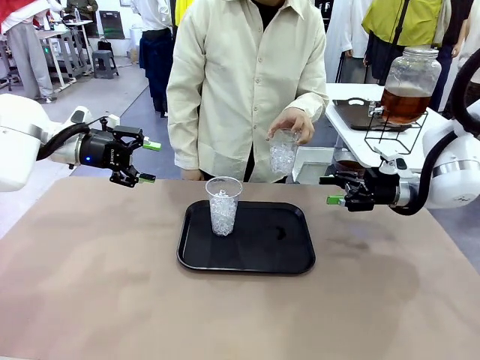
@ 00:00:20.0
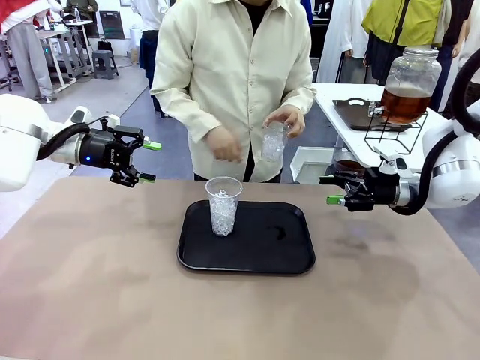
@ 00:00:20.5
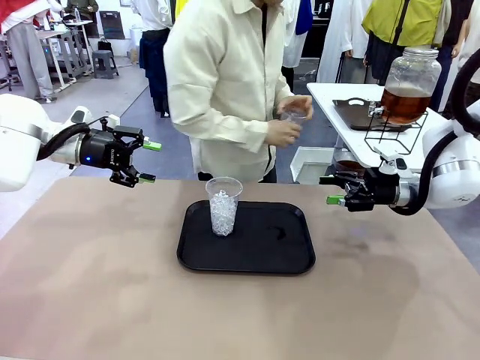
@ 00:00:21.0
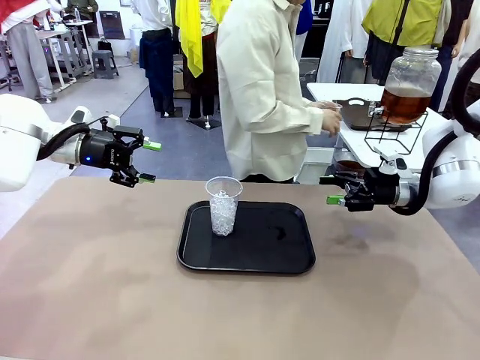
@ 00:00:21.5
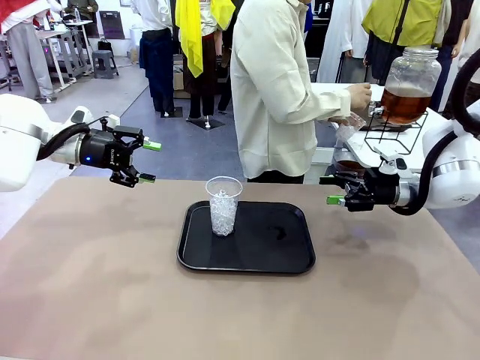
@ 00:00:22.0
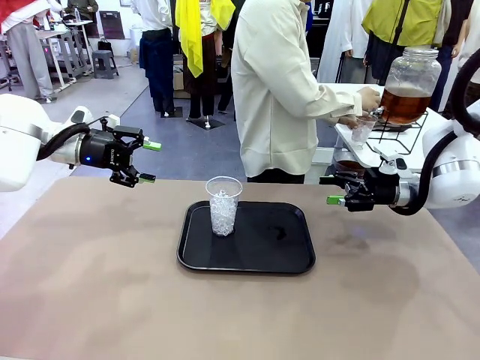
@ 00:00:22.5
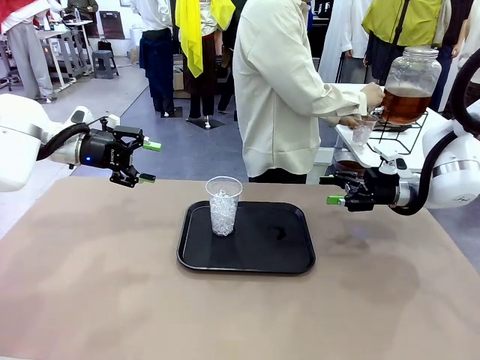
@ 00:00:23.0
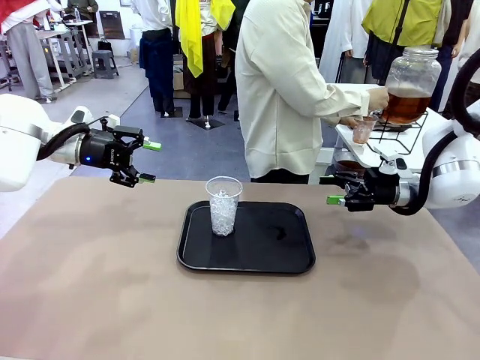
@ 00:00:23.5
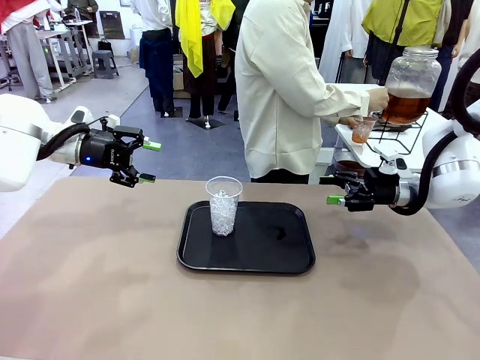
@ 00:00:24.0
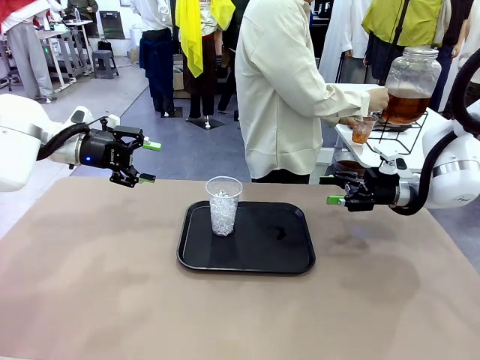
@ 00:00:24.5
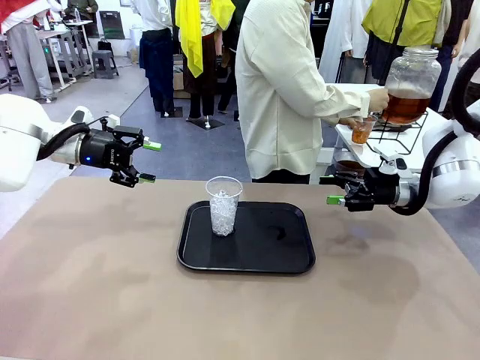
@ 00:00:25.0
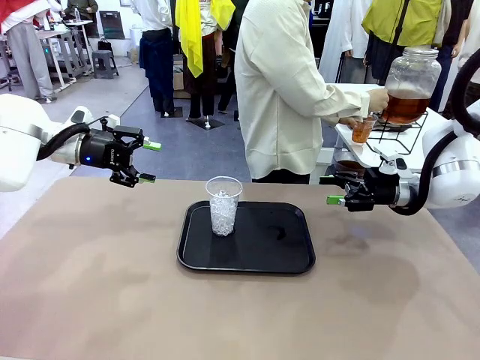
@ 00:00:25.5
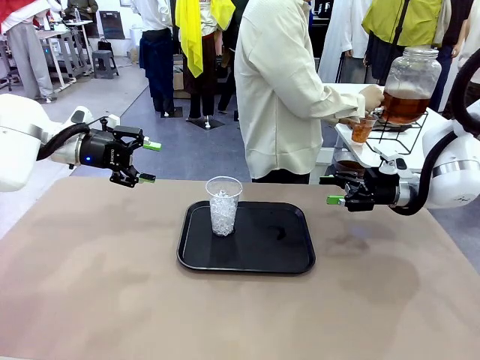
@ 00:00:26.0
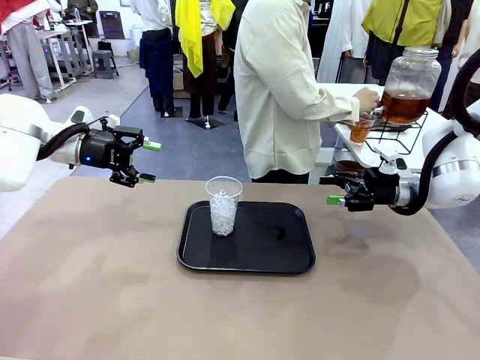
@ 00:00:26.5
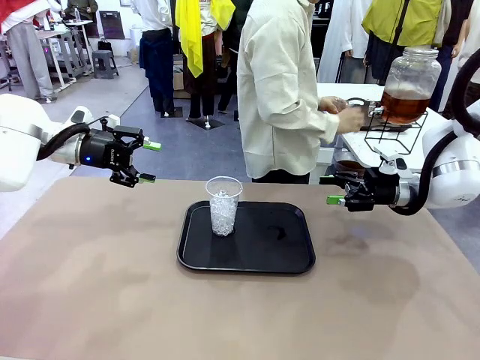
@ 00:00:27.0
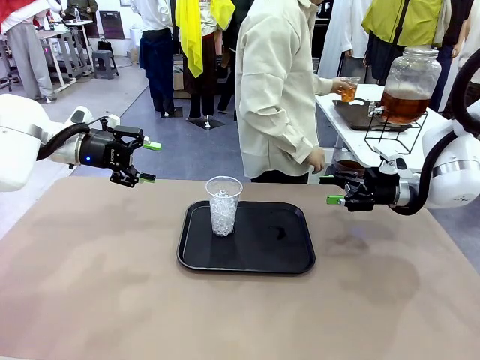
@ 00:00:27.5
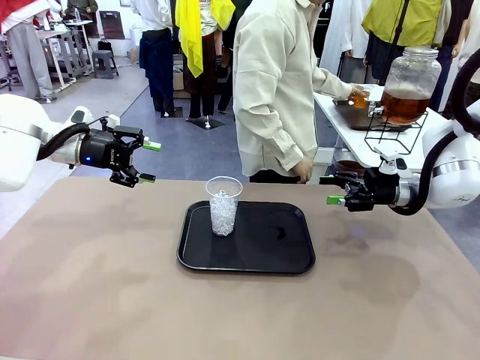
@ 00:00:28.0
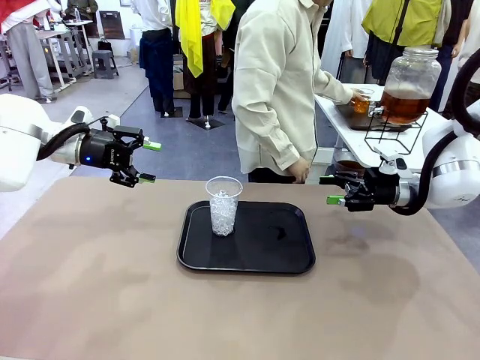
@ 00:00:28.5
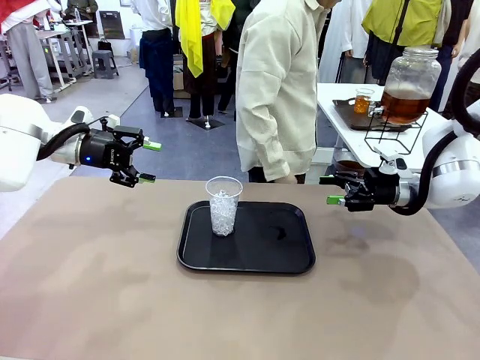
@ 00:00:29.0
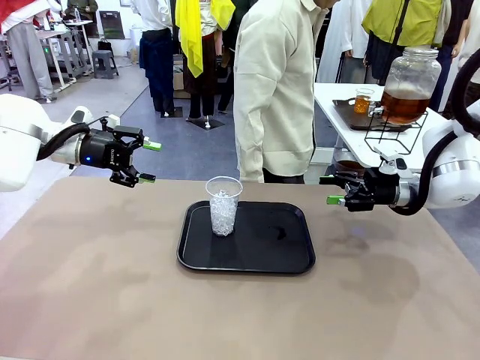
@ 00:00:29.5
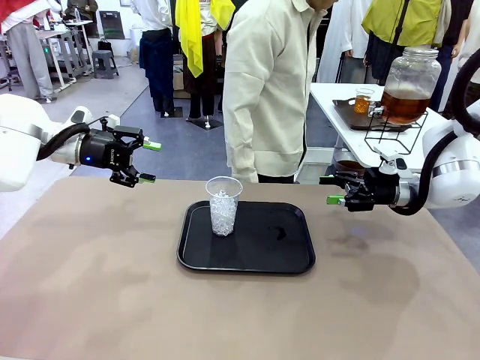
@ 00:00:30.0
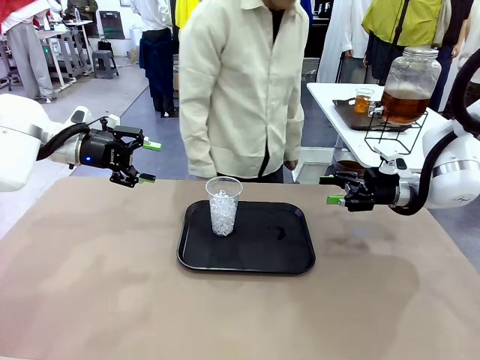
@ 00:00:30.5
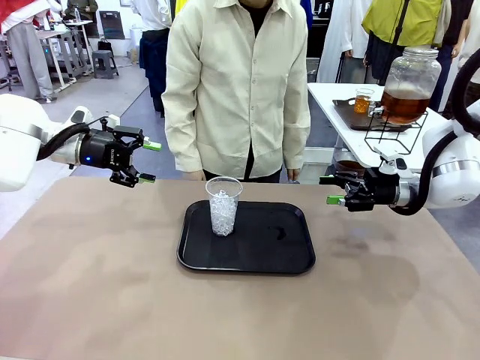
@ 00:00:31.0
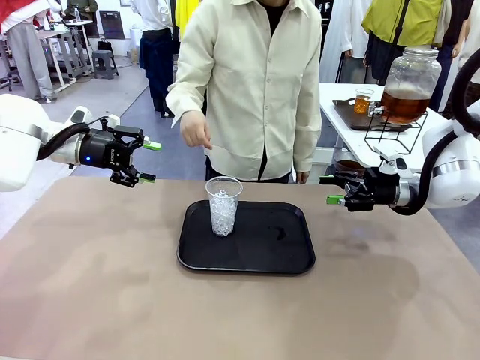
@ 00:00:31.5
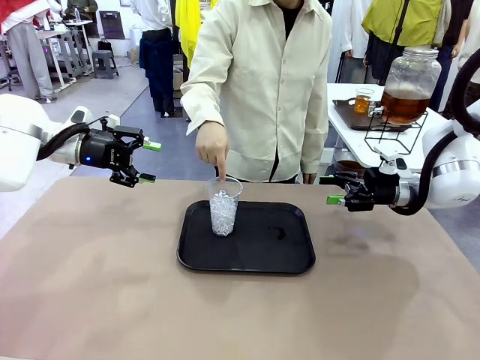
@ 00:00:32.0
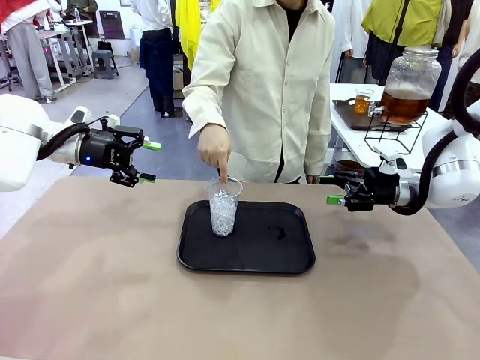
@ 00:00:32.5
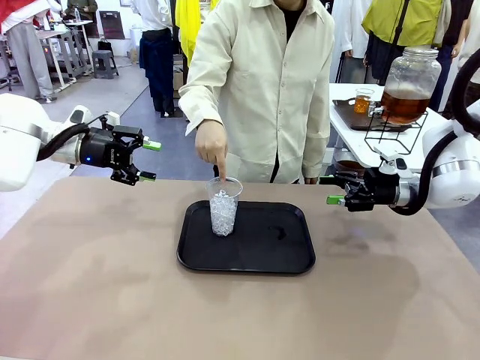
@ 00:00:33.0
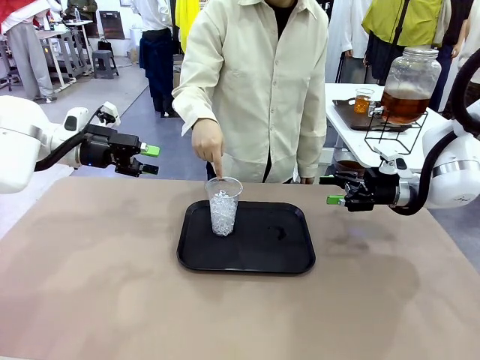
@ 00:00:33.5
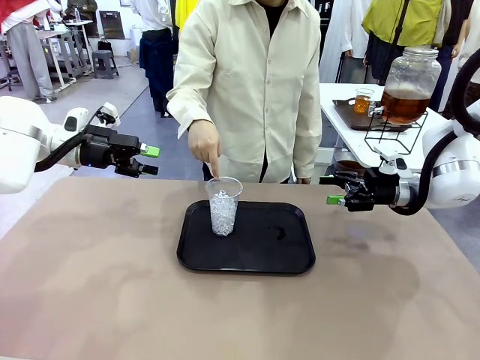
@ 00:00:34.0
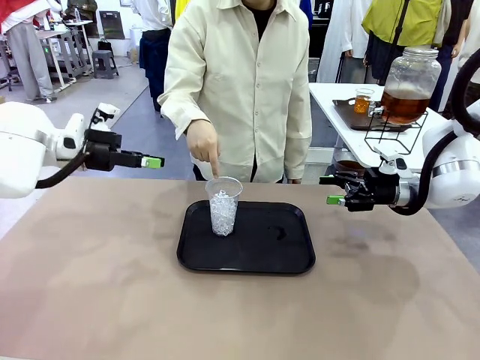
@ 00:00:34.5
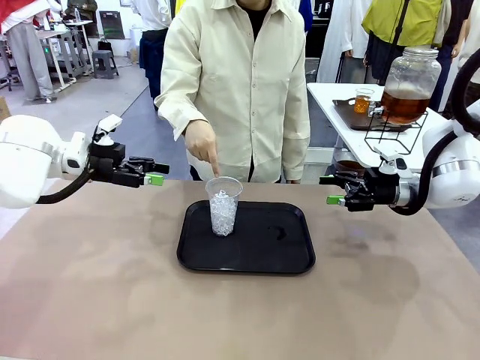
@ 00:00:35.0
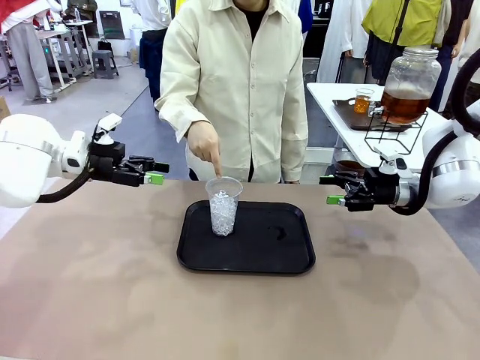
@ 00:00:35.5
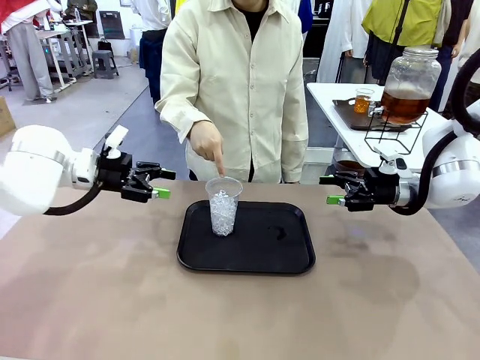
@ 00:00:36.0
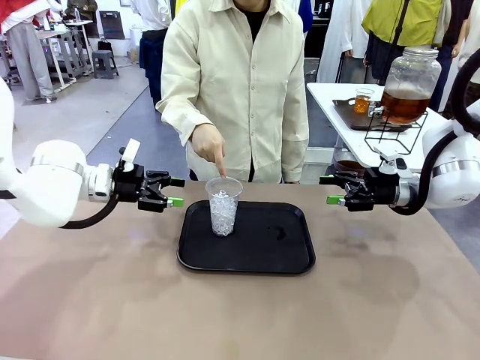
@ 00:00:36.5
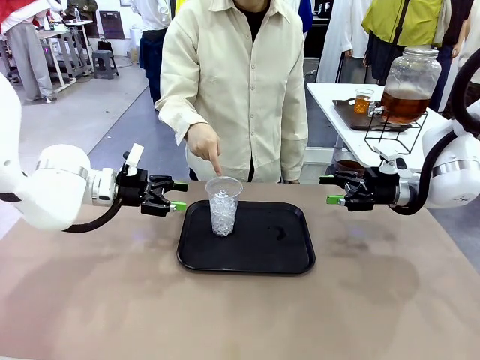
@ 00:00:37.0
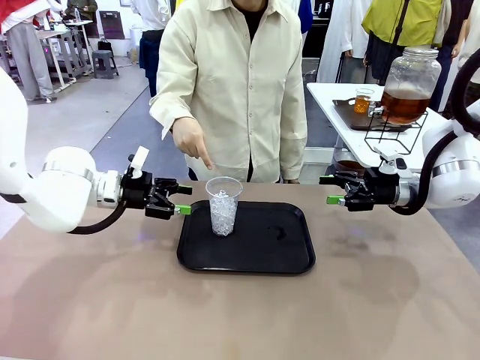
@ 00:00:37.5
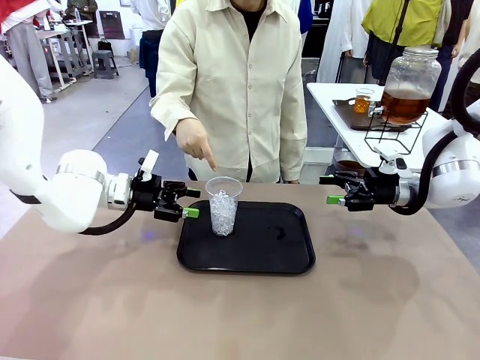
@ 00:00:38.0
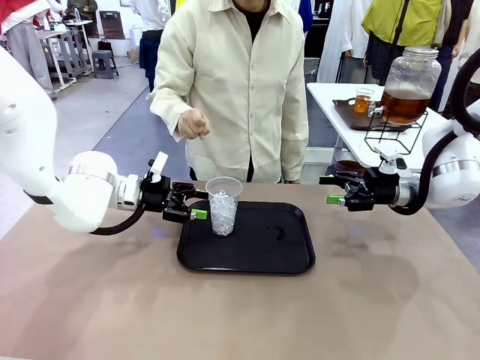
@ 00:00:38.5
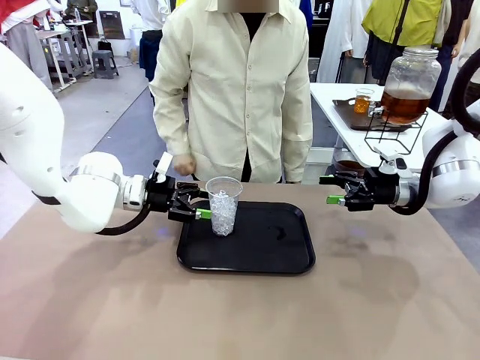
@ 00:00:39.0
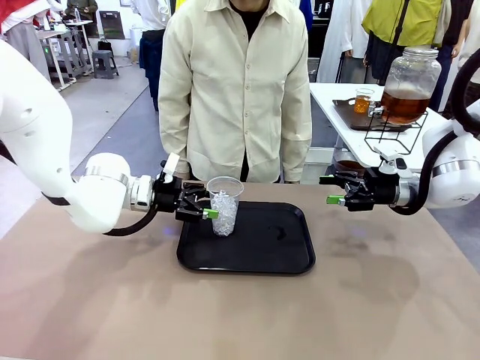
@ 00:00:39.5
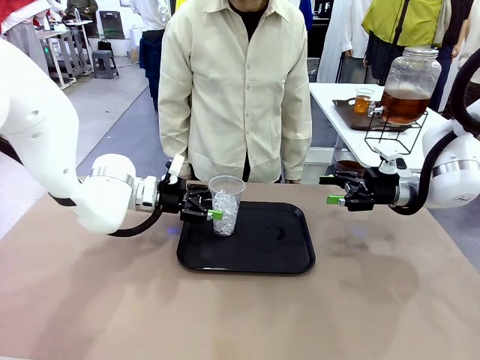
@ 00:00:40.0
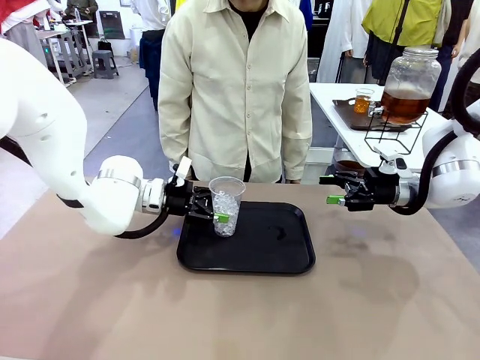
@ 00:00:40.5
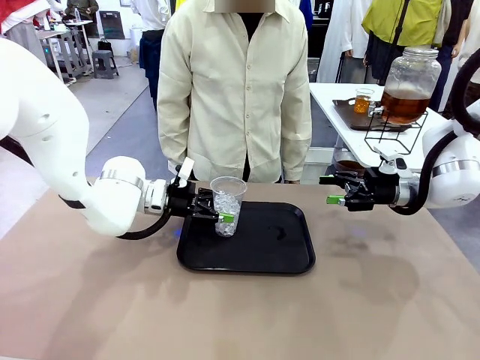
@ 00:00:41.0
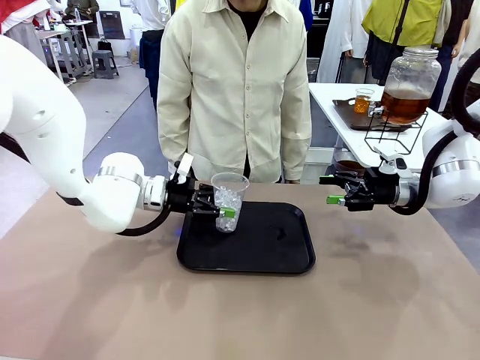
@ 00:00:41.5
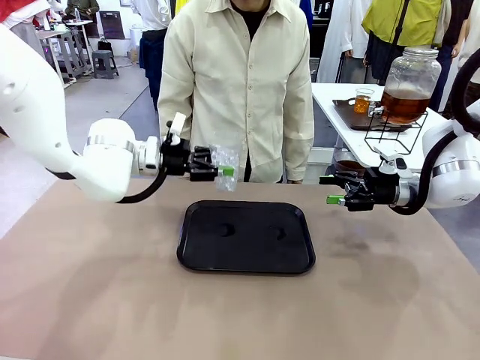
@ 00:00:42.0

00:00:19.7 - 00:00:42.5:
Task: Pour the drink into the iced cup.
Robot: Pick up the iced cup indicated by the human and present it to them.
Person: Move the picked-up cup under the dispenser faucet, pour the drink, and place it on the tray on the human table. Point to the remaining ice cup on the robot table. Pick up the cup offered by the robot.
